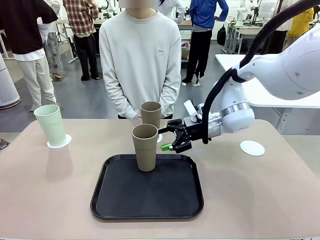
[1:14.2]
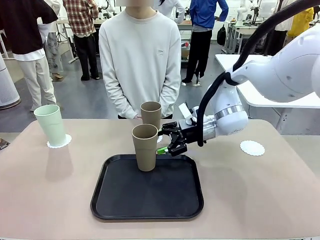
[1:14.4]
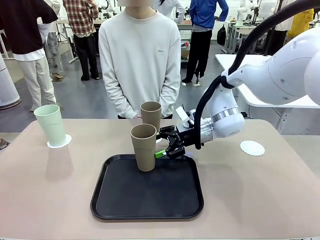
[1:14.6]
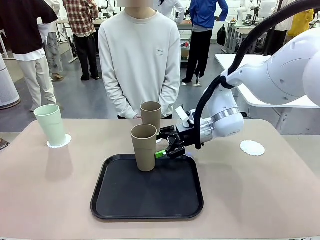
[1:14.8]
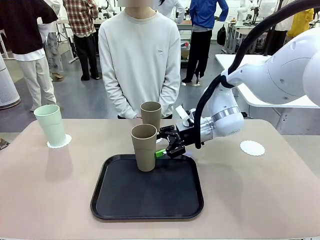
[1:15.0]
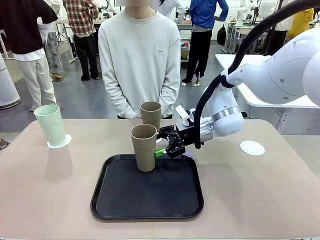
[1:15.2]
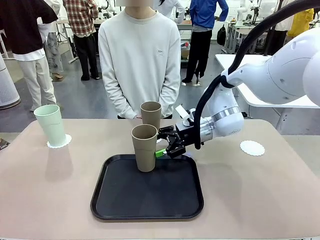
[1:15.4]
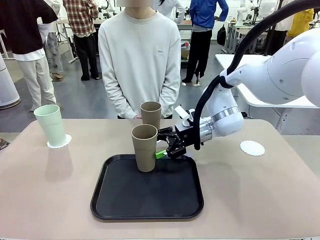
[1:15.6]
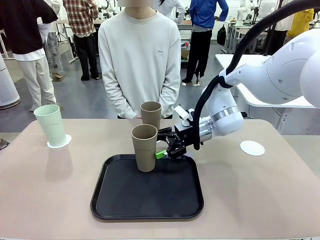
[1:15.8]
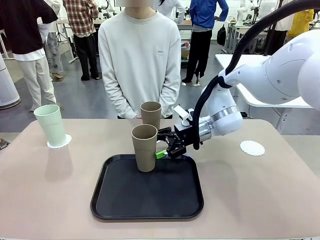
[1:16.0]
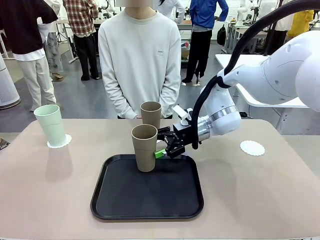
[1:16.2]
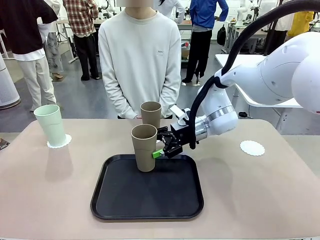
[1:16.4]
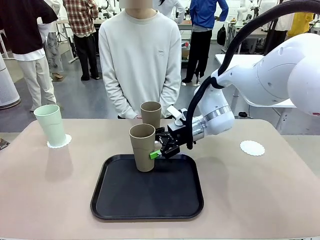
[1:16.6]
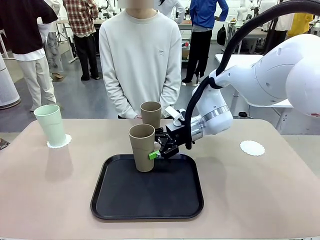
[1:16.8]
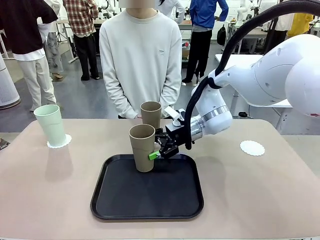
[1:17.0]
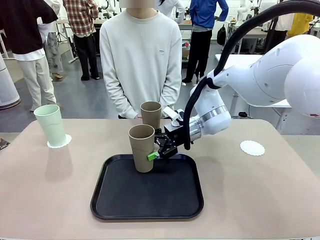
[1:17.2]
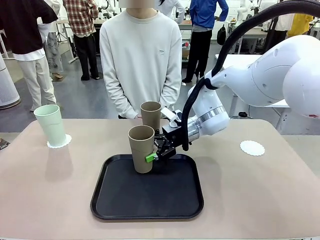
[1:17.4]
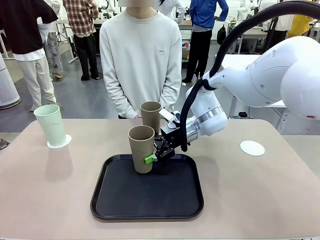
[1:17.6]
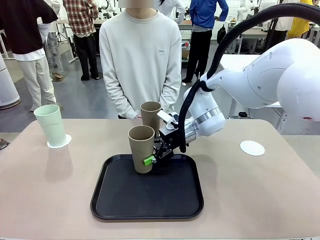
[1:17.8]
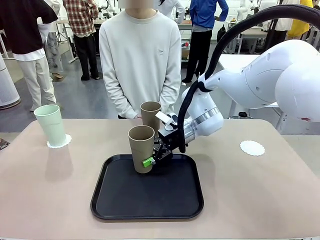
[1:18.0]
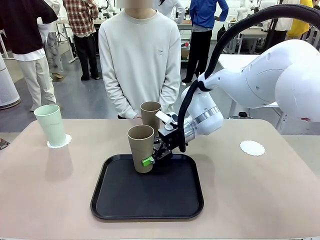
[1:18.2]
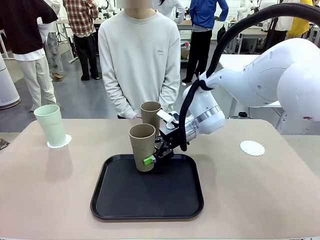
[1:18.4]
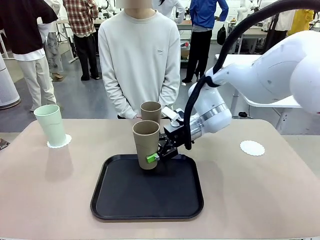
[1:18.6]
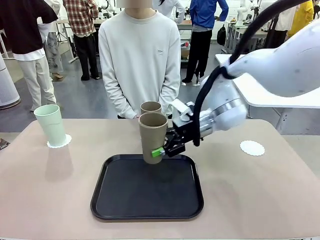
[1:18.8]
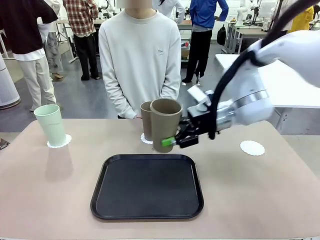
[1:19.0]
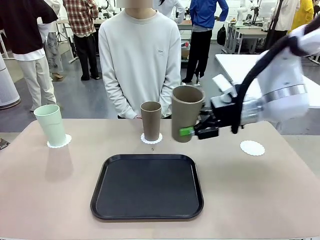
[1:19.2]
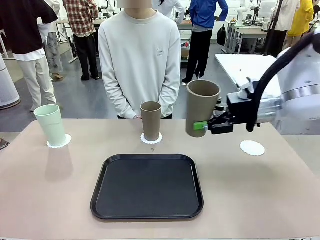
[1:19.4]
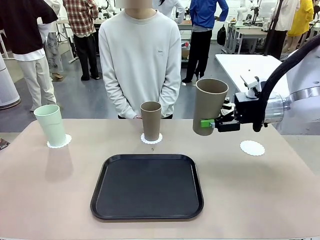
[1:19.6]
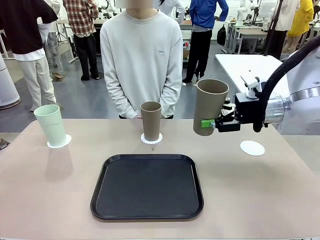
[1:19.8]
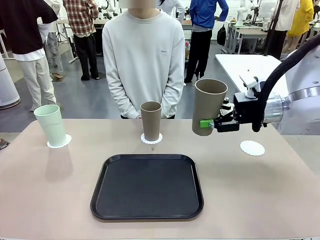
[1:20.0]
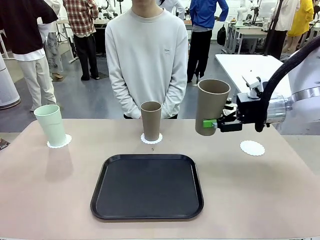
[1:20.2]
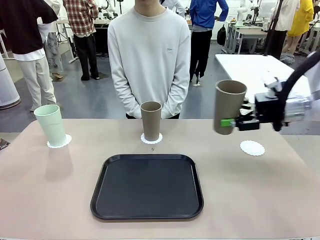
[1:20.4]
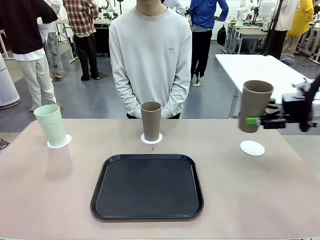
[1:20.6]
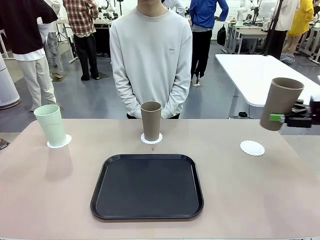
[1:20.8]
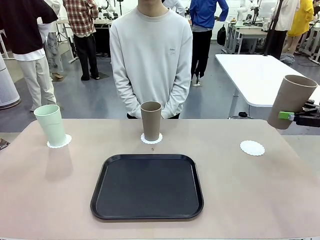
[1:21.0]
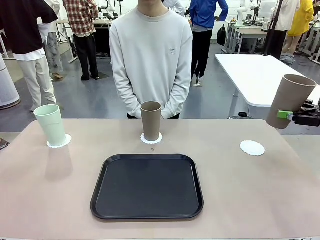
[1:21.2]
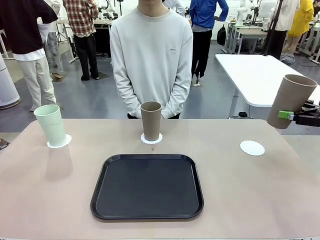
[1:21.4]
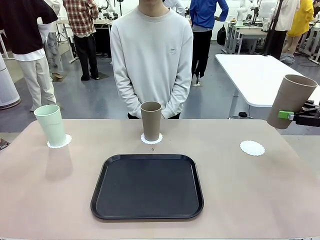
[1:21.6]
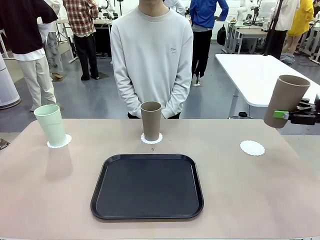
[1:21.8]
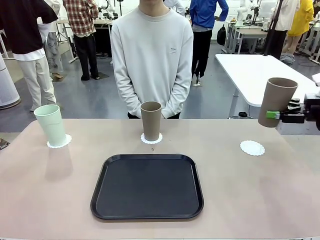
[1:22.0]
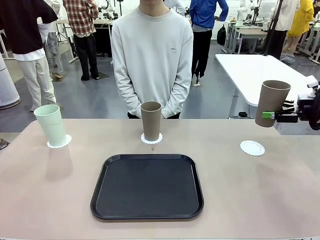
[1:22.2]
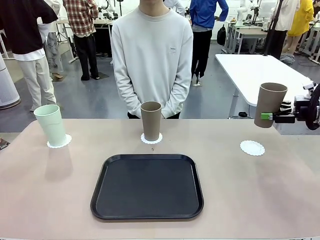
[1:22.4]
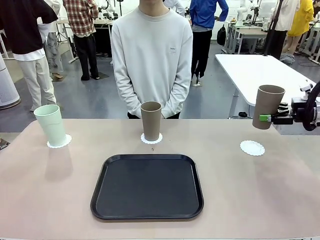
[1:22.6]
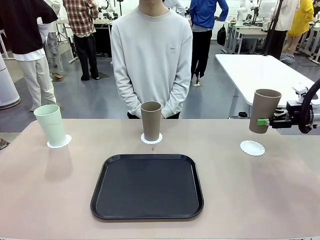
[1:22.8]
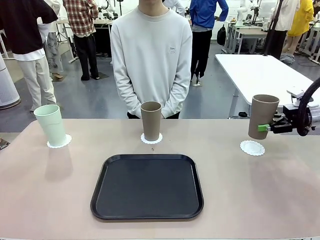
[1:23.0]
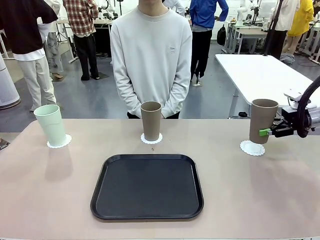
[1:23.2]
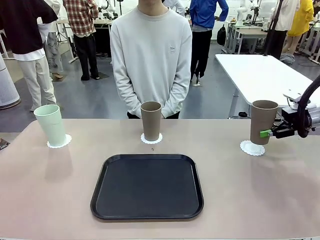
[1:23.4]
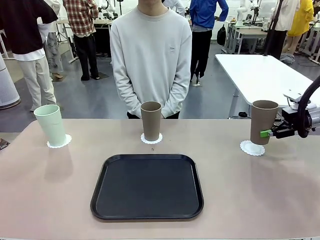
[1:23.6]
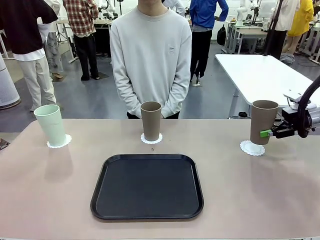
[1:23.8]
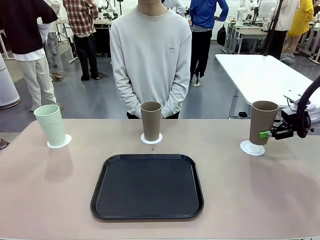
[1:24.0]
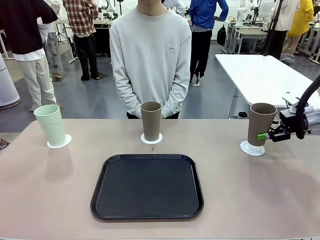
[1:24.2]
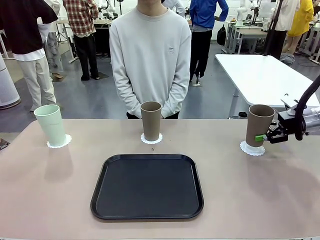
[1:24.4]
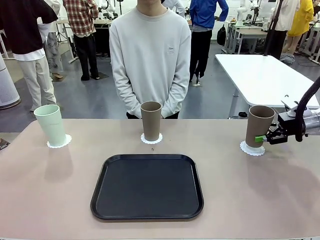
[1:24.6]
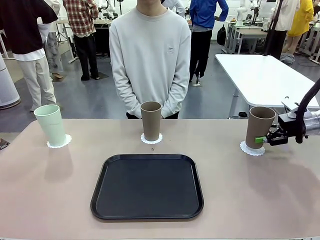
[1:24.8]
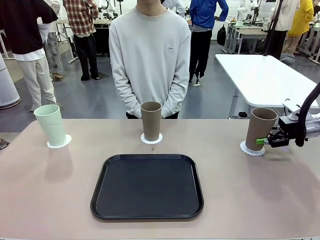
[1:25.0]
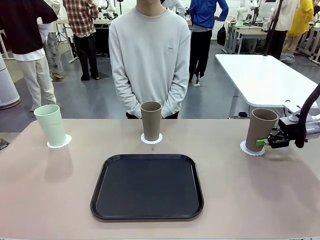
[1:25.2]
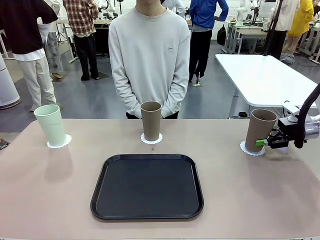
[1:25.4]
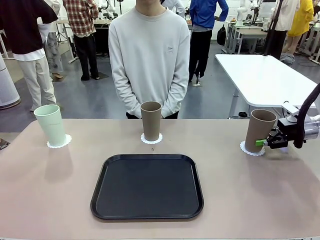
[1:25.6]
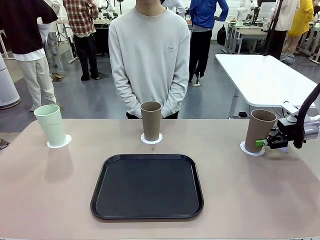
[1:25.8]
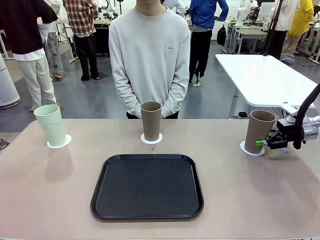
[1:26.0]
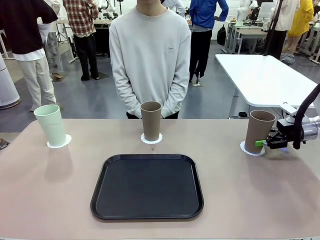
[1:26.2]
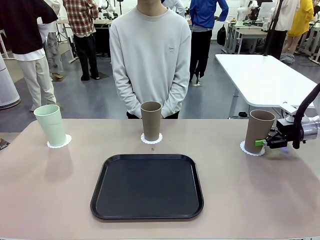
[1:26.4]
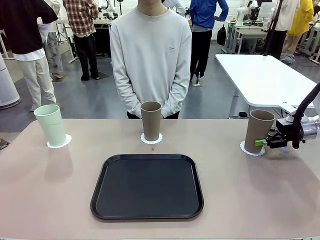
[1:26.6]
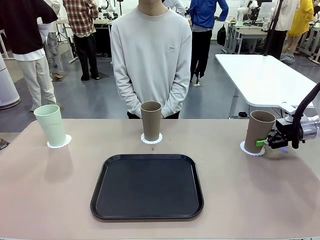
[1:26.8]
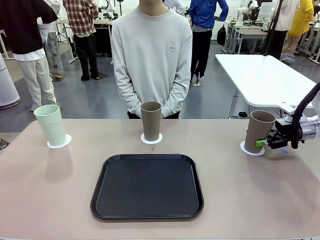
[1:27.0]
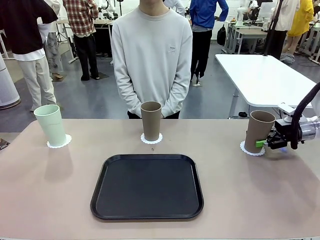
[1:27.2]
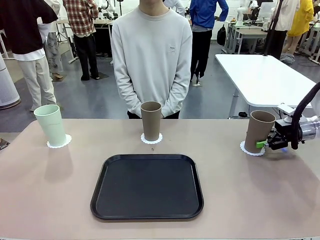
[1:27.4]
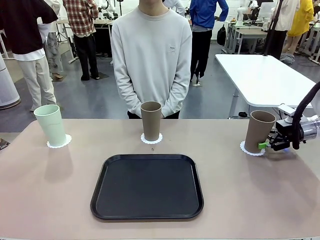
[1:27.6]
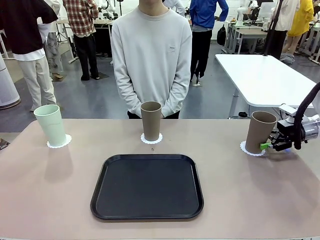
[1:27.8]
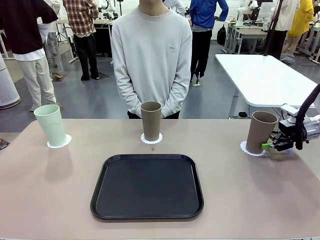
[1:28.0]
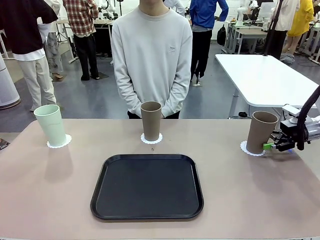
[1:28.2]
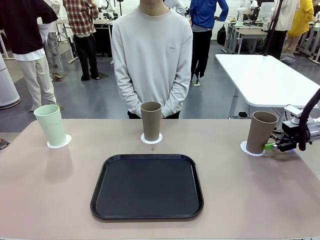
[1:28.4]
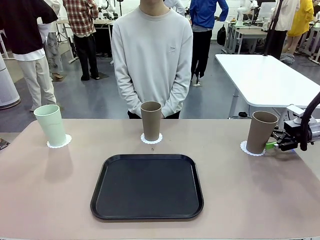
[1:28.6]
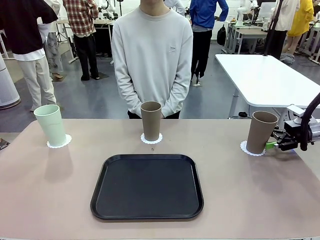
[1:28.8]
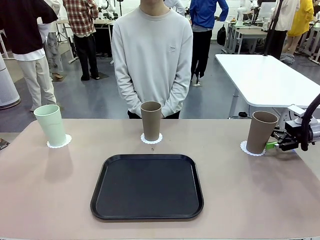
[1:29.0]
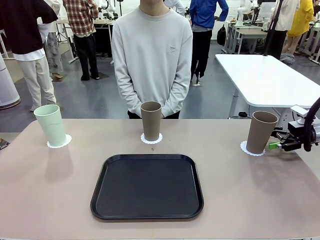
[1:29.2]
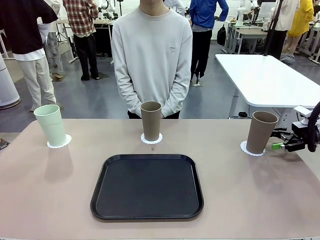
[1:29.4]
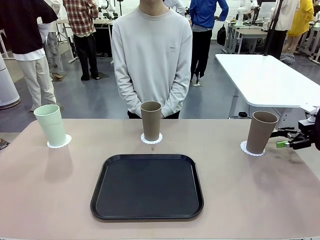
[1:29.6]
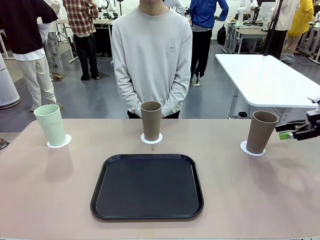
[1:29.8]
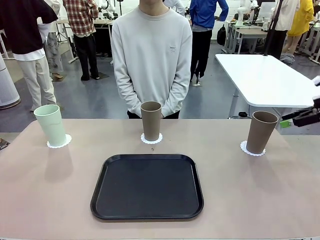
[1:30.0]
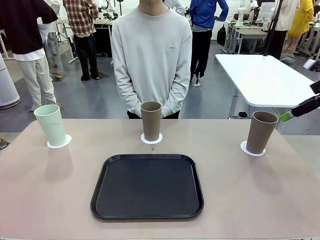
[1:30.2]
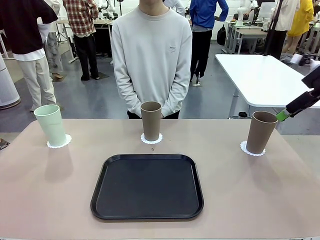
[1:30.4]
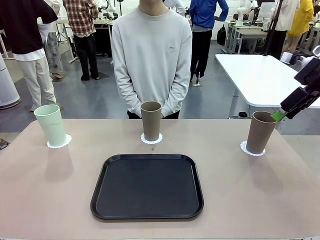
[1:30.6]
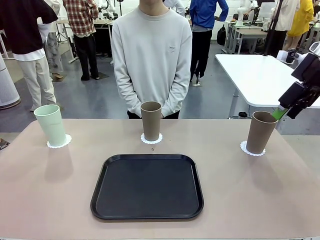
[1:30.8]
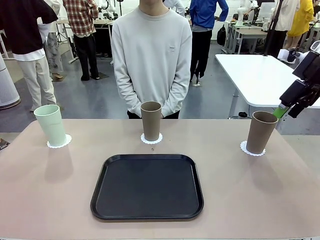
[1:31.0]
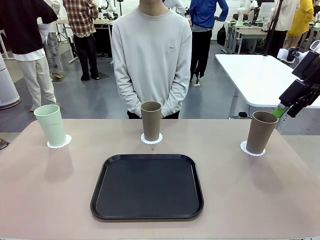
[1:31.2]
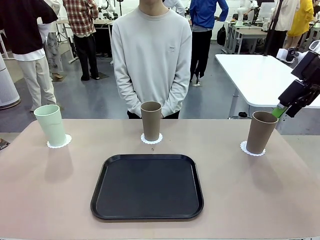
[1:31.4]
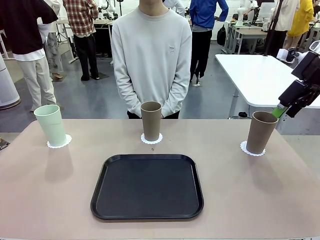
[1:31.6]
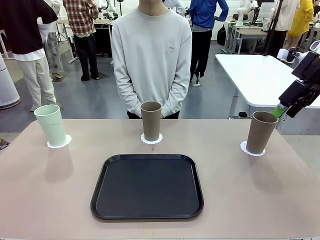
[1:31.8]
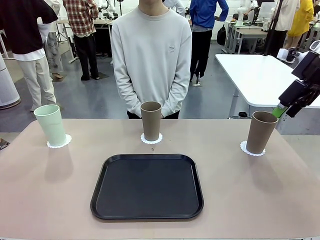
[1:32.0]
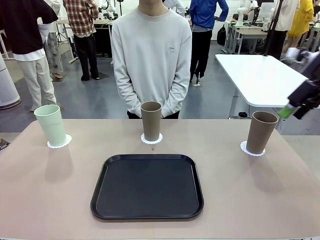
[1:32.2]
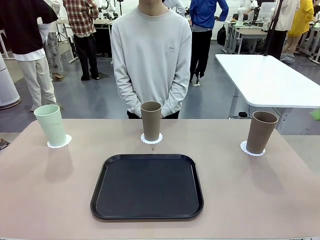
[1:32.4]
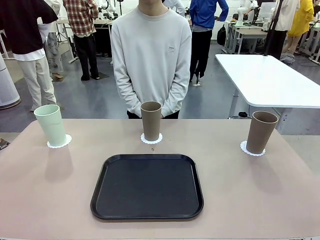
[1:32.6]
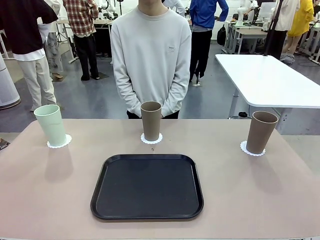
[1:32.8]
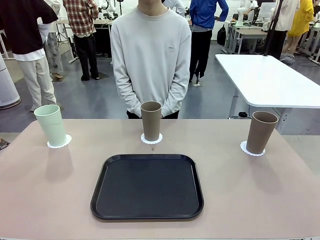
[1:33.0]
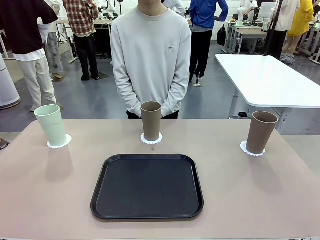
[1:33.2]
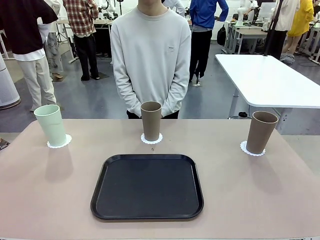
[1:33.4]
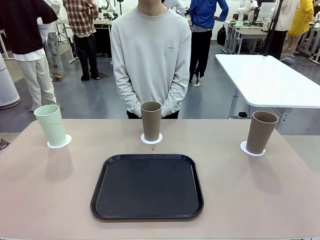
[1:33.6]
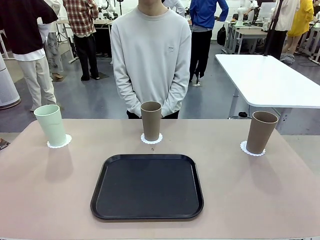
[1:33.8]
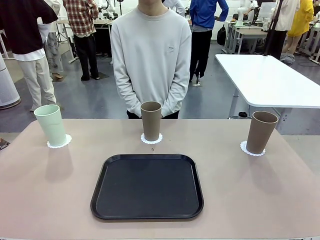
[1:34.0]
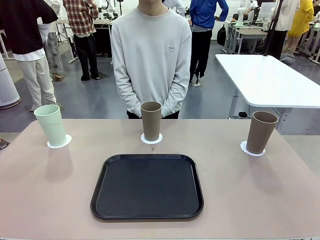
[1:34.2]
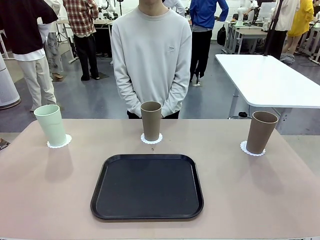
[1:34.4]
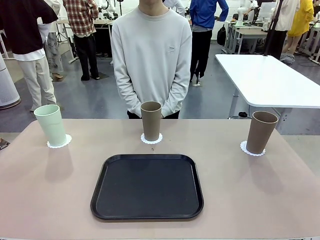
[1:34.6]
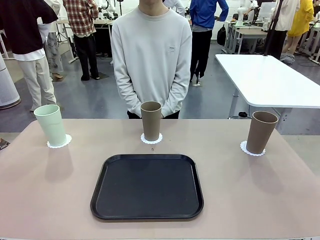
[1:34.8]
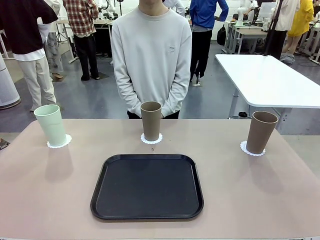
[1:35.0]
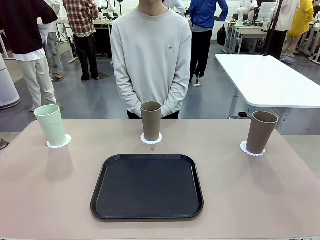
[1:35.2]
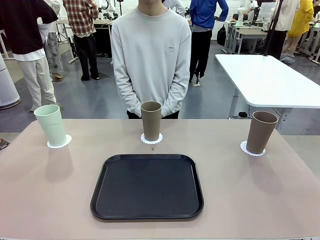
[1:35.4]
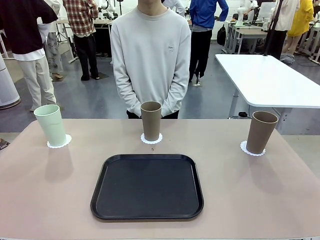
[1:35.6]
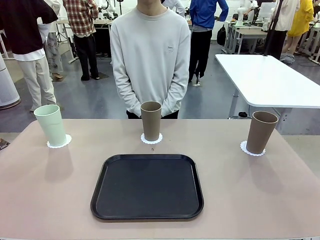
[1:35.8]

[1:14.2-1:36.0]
Task: Place coasters on the table and set cups on them.
Robot: Take one Reusable plastic cup from the Flat Tray and place it on a coaster set by the human.
